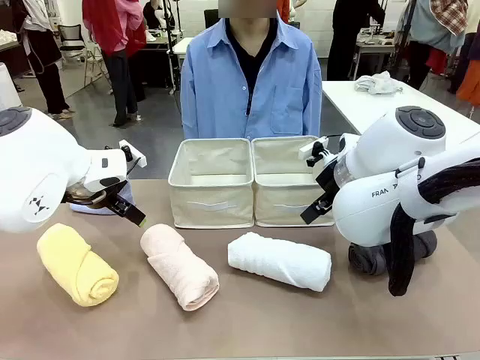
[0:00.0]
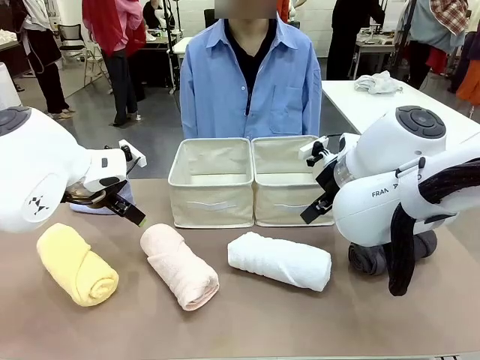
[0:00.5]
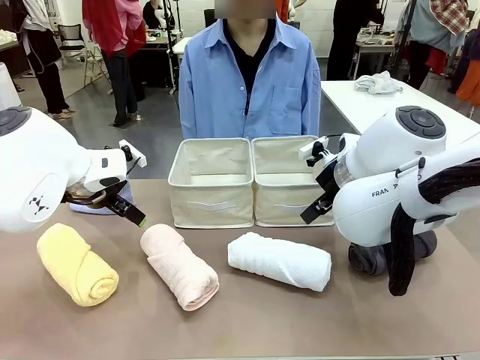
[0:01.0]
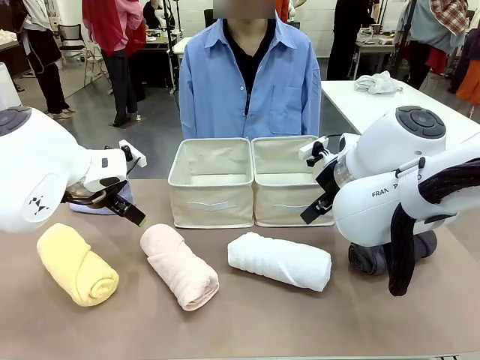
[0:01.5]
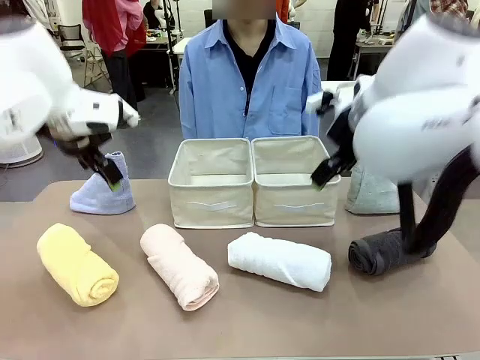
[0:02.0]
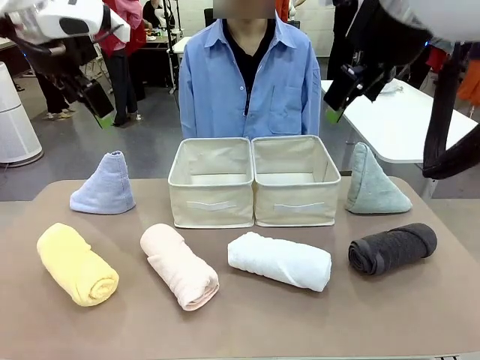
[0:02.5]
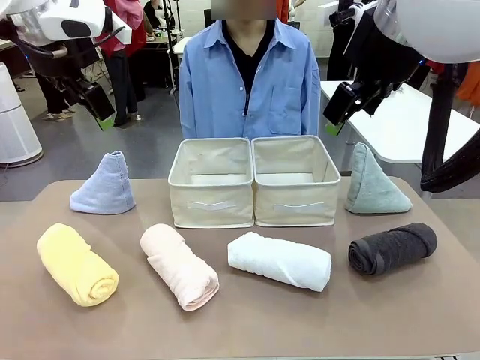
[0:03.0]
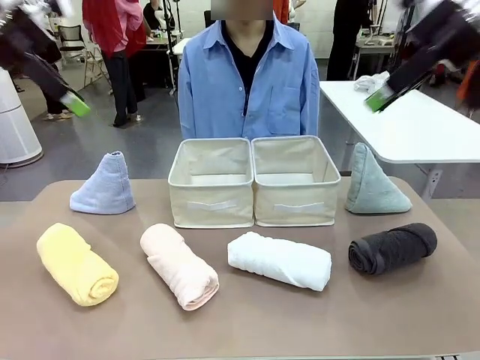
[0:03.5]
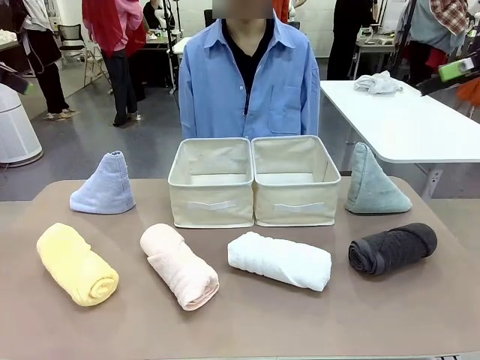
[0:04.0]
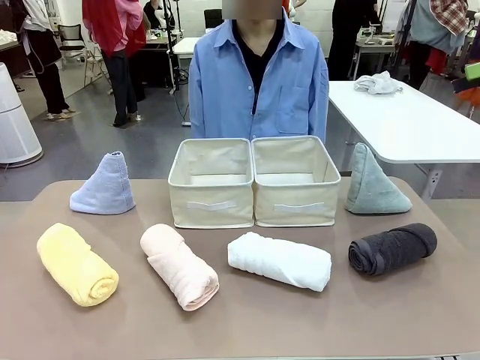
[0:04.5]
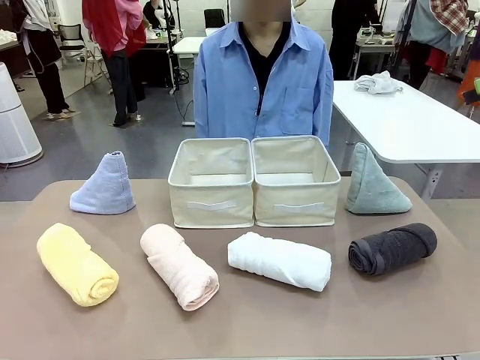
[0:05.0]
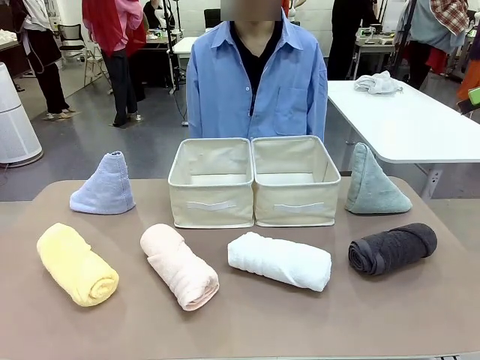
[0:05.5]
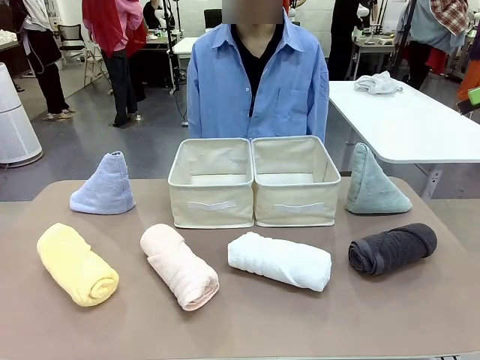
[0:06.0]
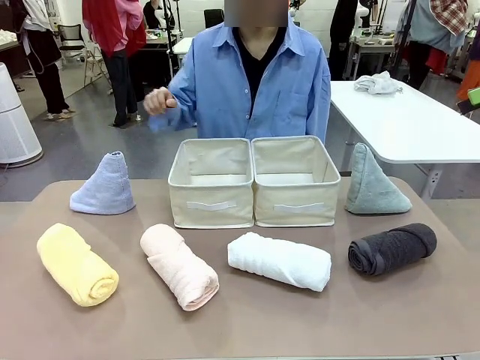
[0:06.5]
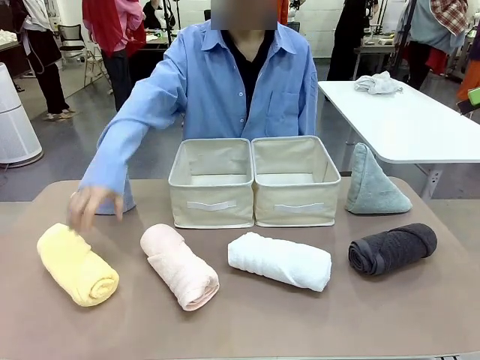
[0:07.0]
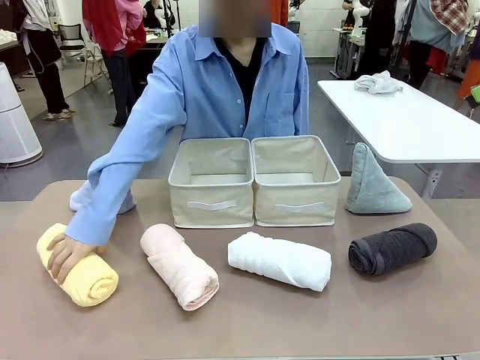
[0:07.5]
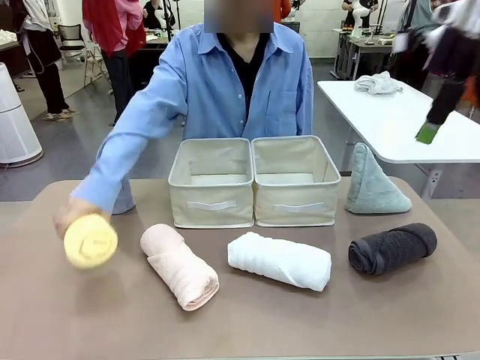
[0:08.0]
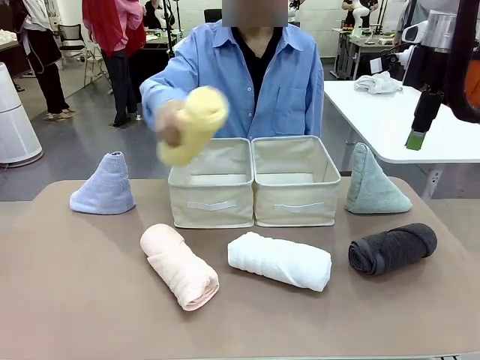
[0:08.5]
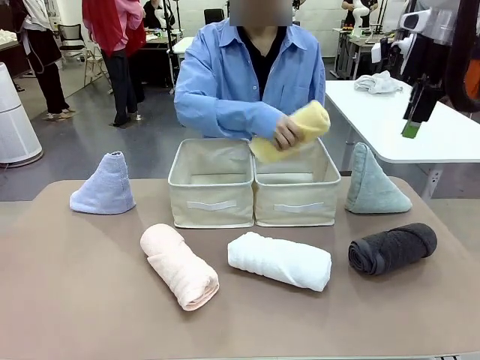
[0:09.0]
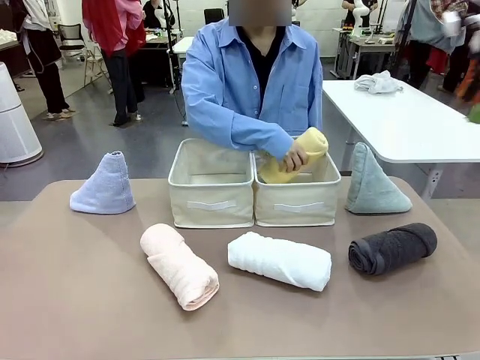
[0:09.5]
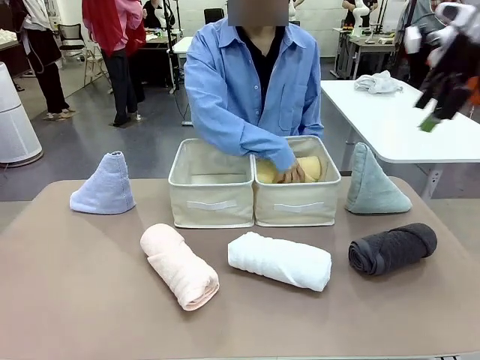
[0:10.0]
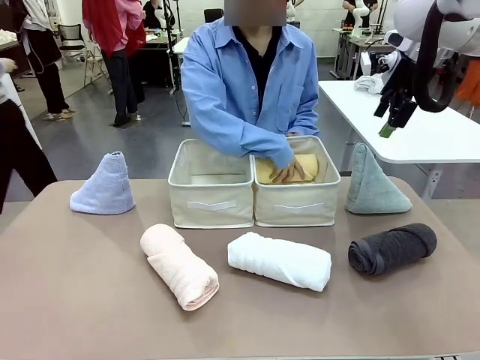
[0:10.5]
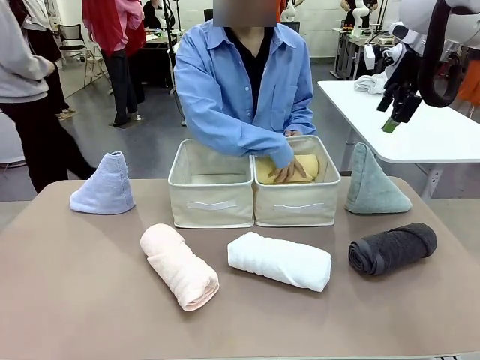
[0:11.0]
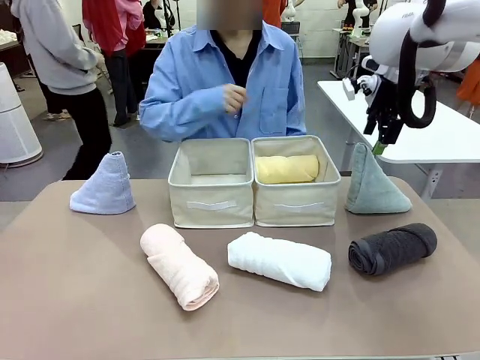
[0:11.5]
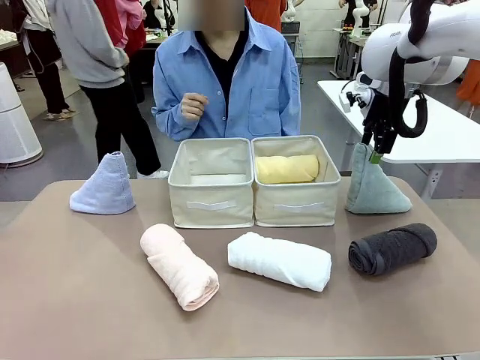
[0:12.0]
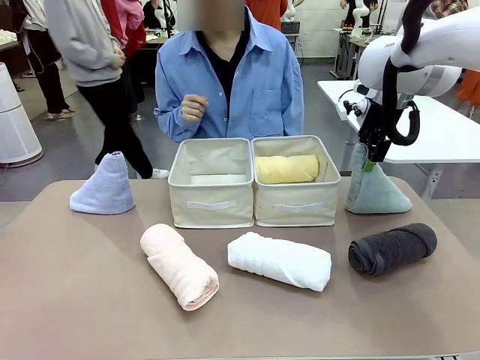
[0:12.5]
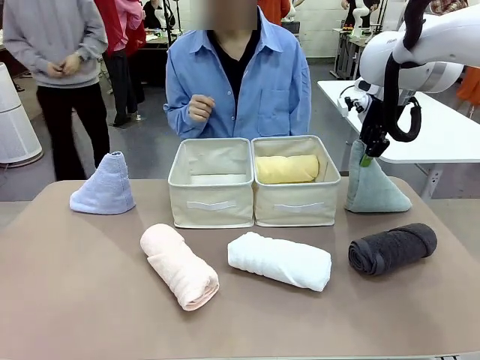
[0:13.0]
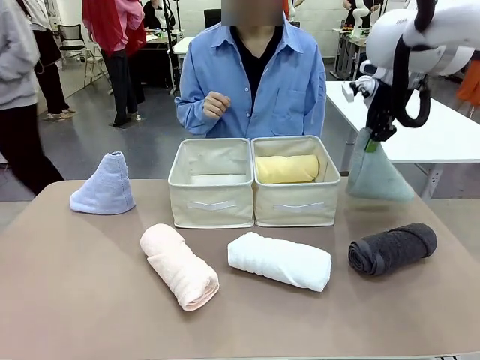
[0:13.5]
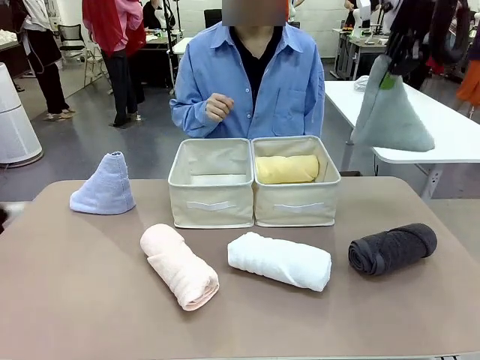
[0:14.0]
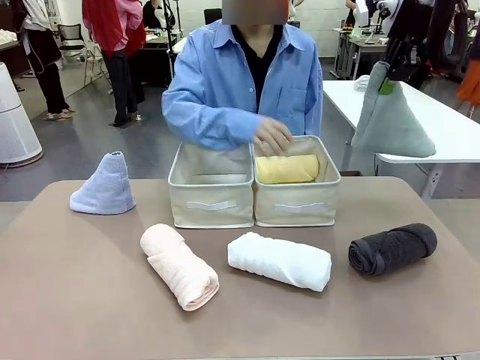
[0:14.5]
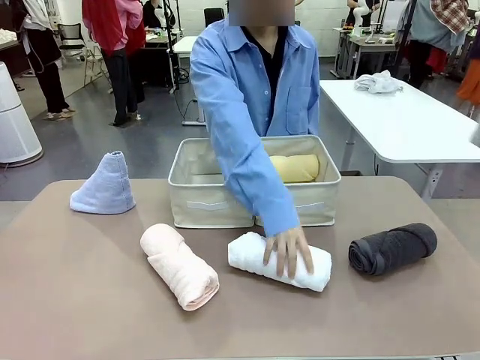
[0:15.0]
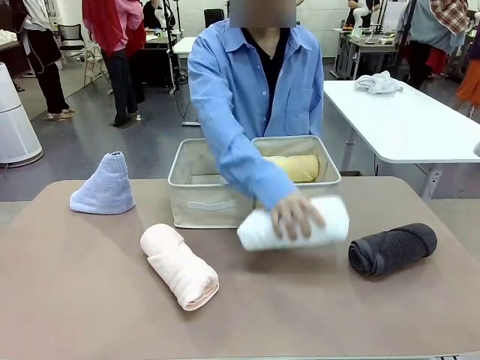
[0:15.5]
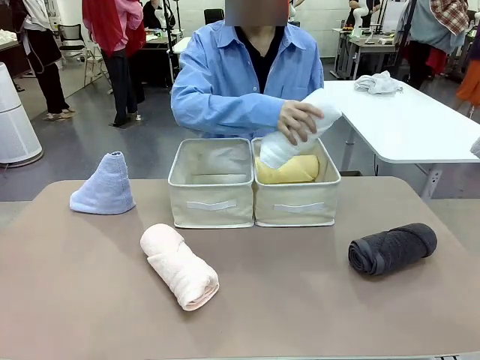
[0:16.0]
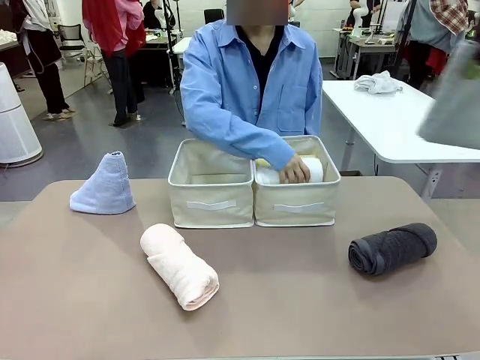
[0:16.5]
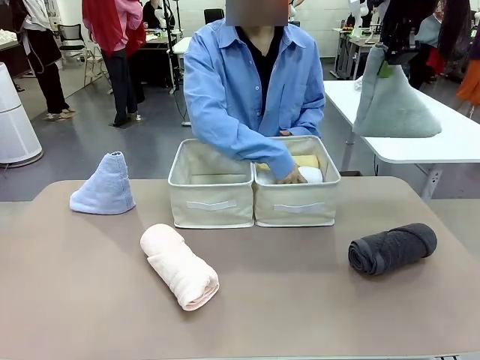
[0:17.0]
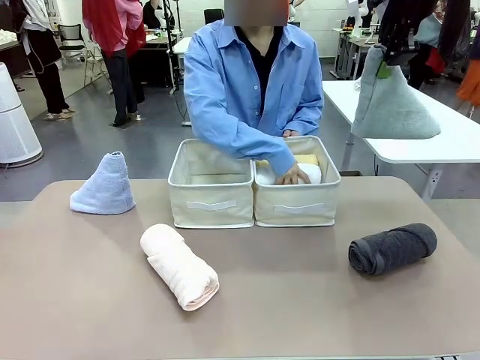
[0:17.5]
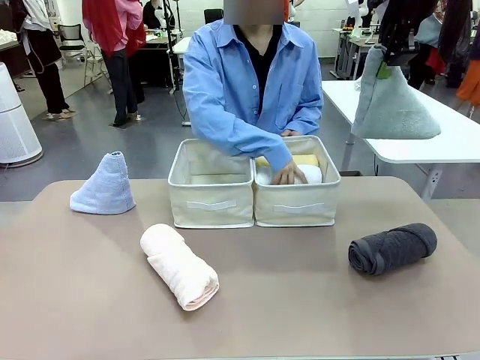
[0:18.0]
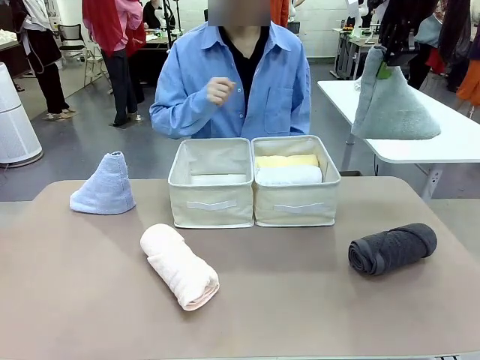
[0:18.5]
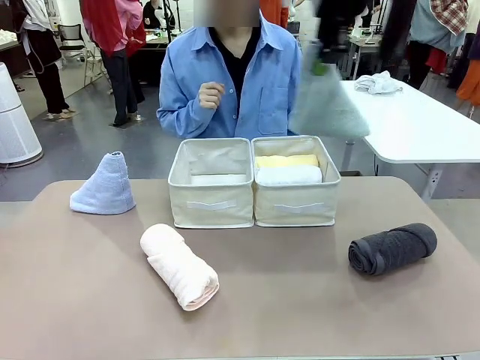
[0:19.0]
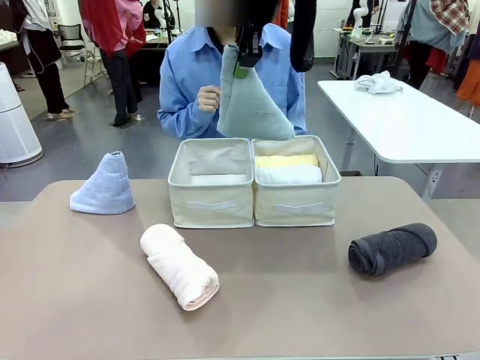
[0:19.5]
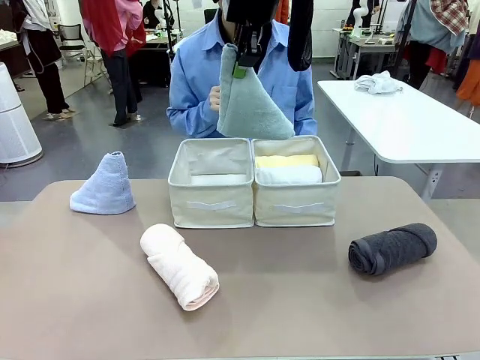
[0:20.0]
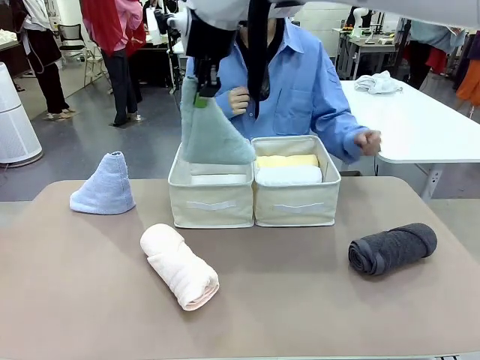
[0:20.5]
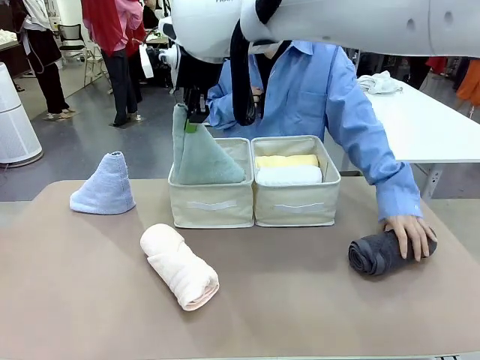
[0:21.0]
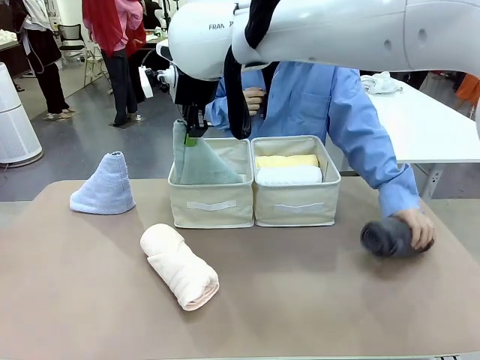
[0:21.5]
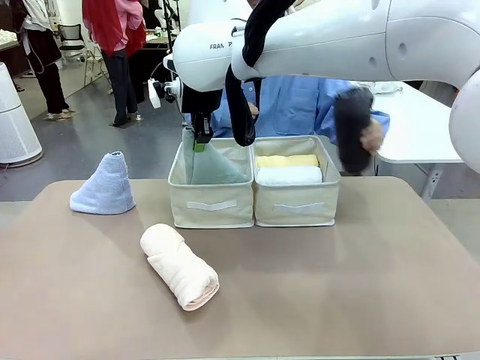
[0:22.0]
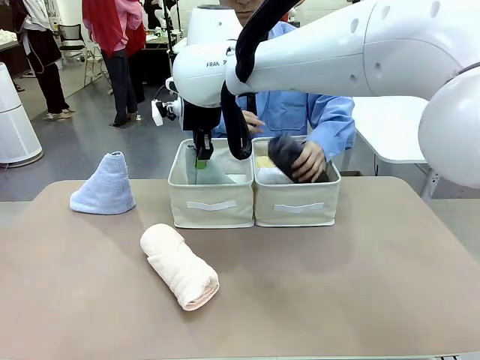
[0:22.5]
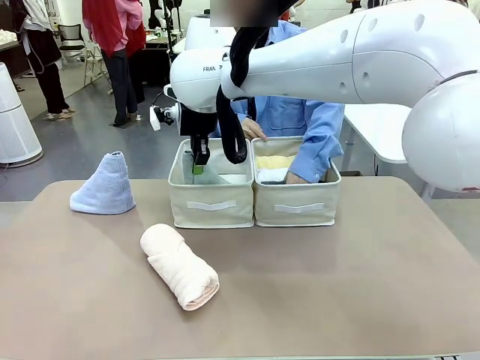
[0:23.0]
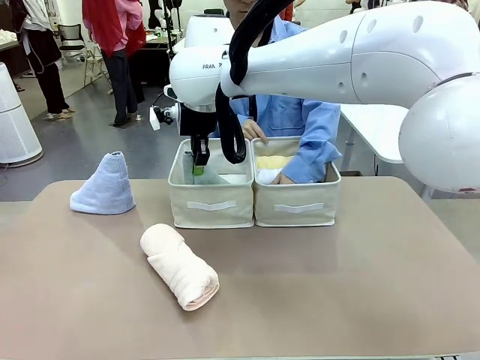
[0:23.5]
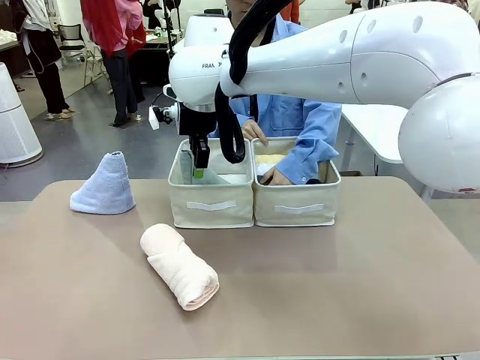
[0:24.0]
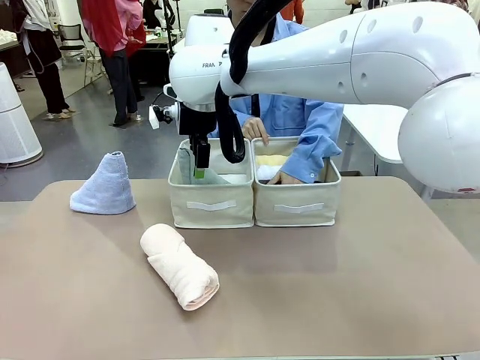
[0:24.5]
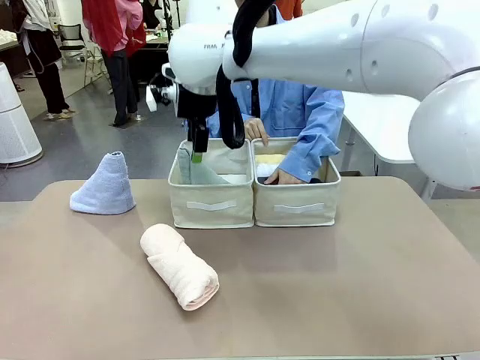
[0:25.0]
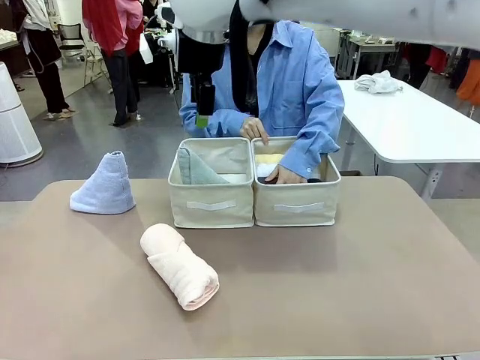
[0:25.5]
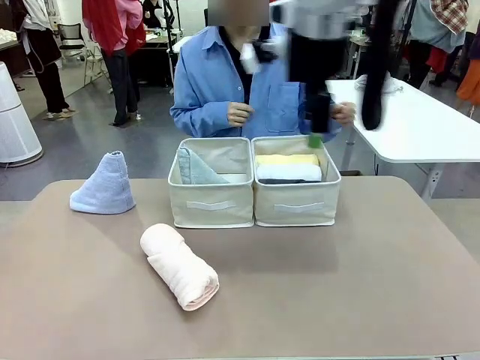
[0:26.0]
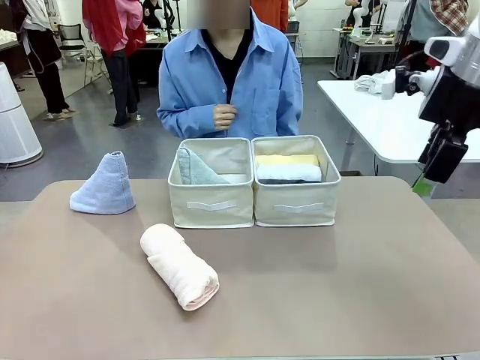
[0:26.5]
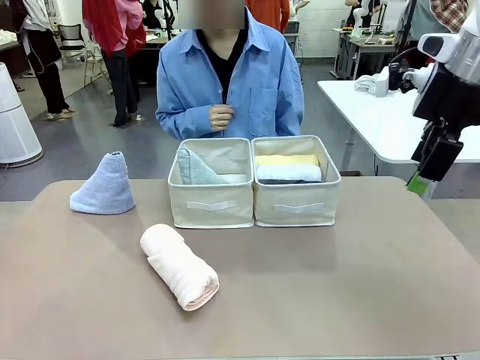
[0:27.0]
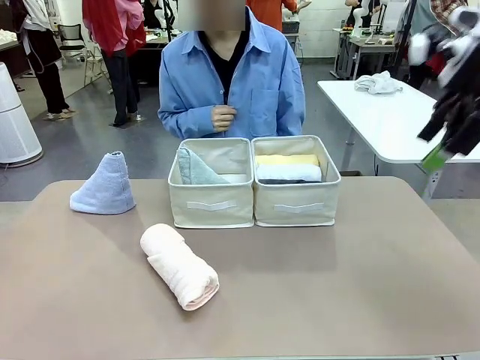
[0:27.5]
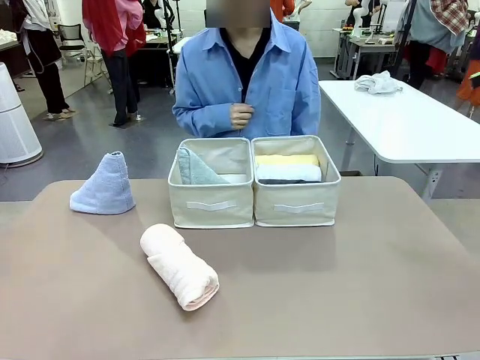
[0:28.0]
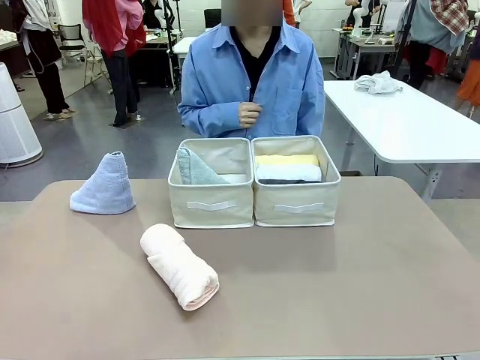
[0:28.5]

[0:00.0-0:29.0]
Task: Sort the towels based on their folding style.
Robot: Pick up one triangle-folded towel and place it in the left Fabric basket.
Person: Pick up one hotel-style rolled towel and place it in the left fabric basket.
